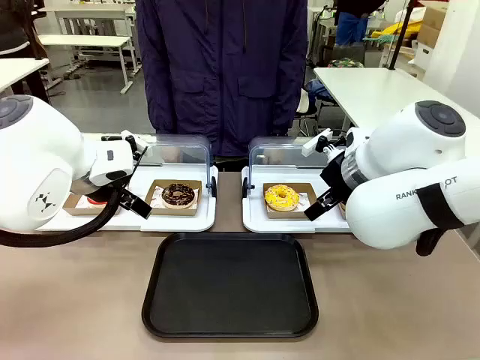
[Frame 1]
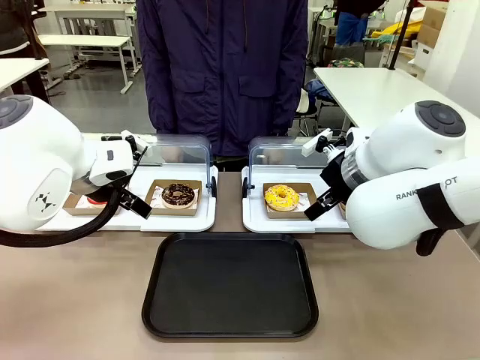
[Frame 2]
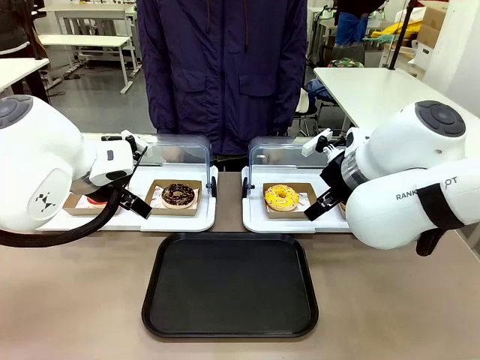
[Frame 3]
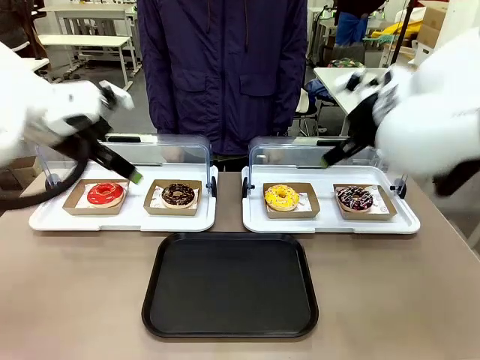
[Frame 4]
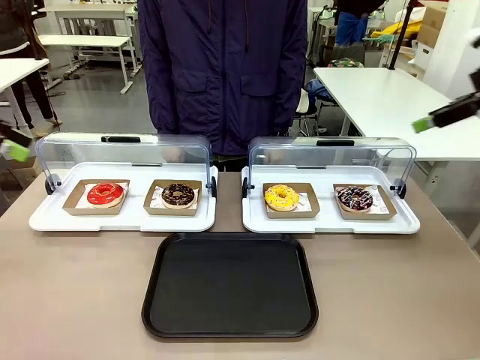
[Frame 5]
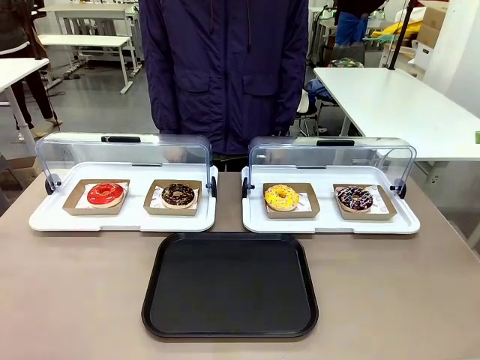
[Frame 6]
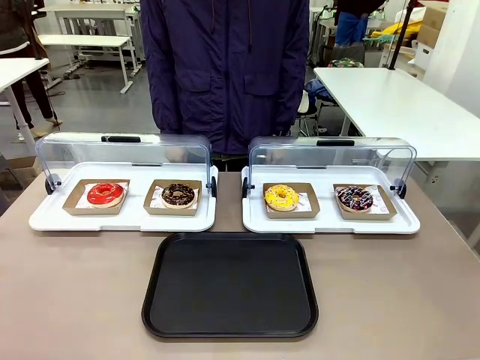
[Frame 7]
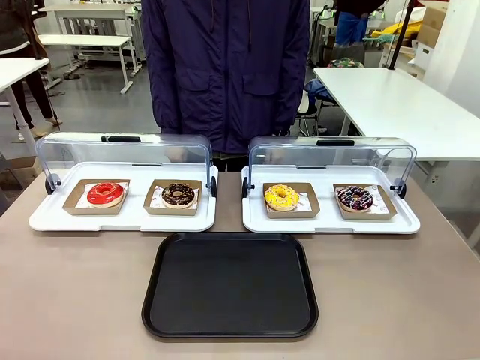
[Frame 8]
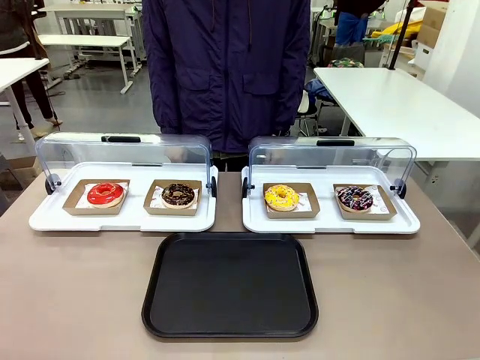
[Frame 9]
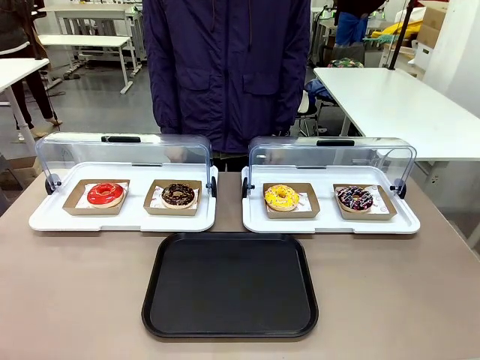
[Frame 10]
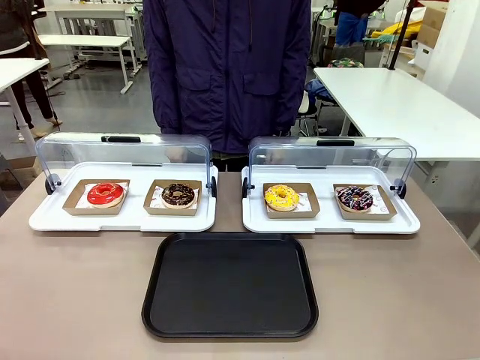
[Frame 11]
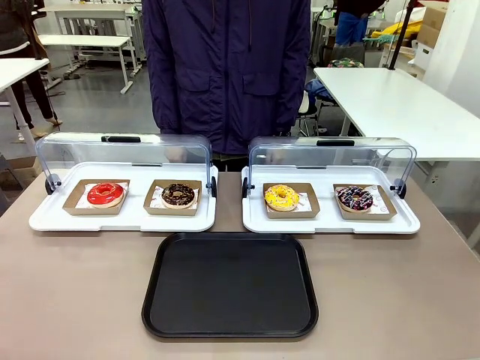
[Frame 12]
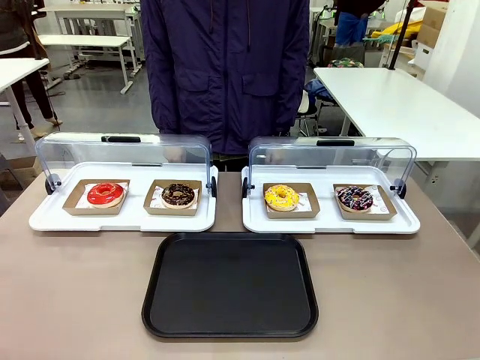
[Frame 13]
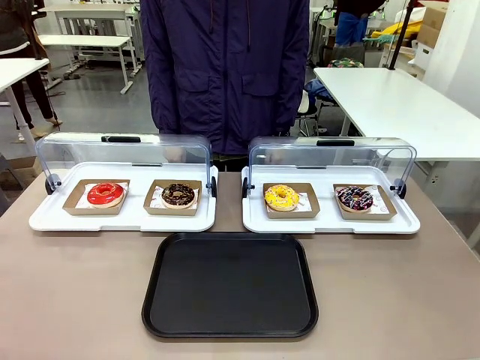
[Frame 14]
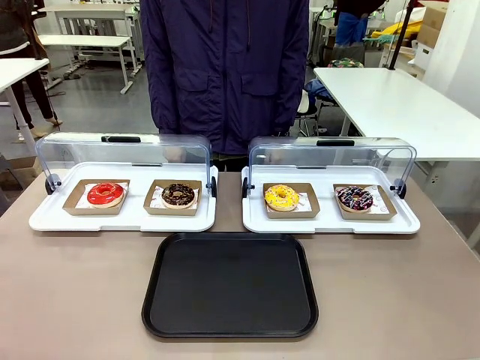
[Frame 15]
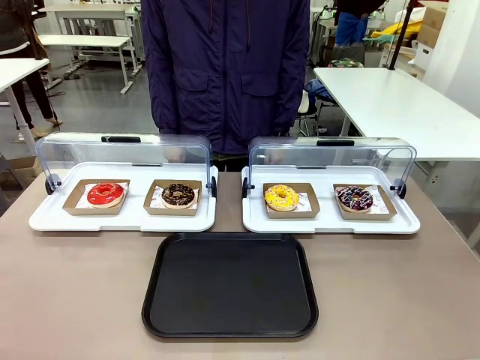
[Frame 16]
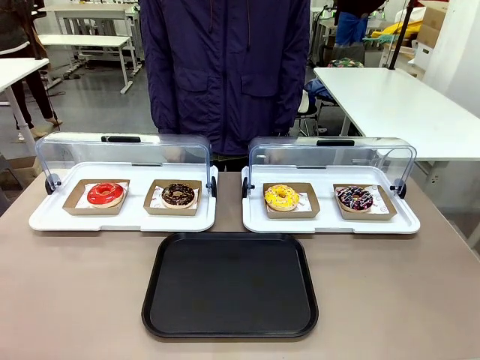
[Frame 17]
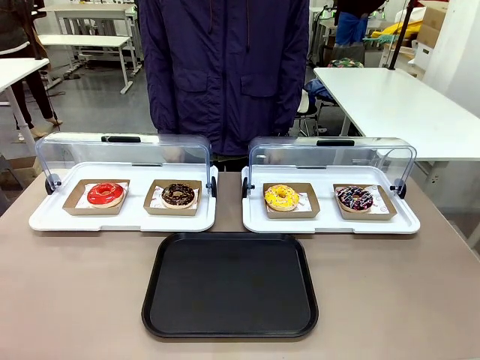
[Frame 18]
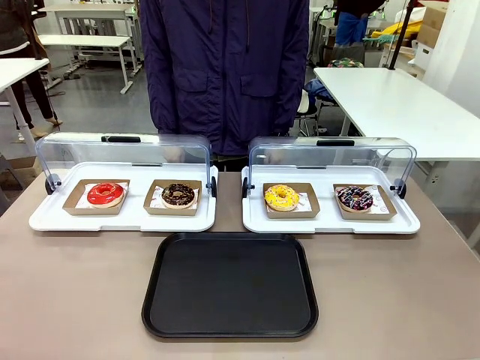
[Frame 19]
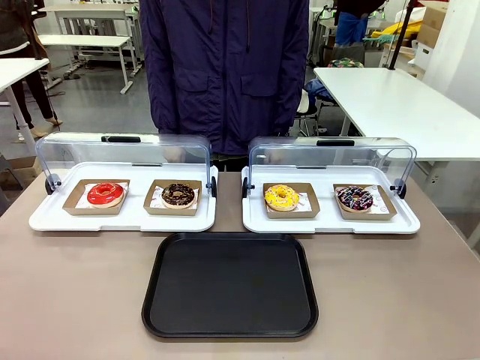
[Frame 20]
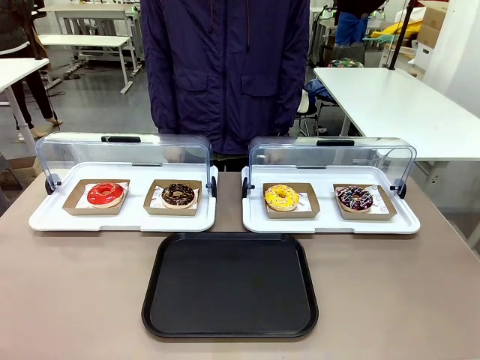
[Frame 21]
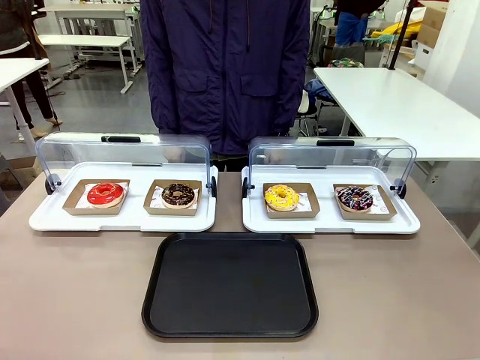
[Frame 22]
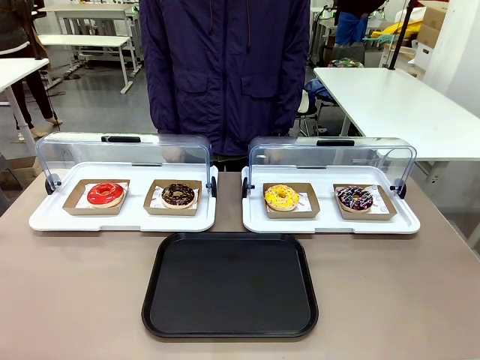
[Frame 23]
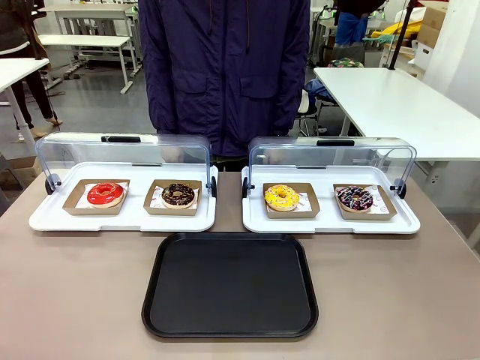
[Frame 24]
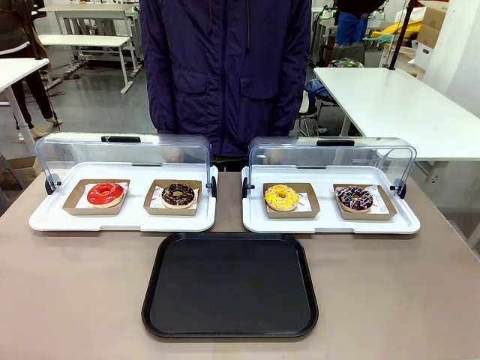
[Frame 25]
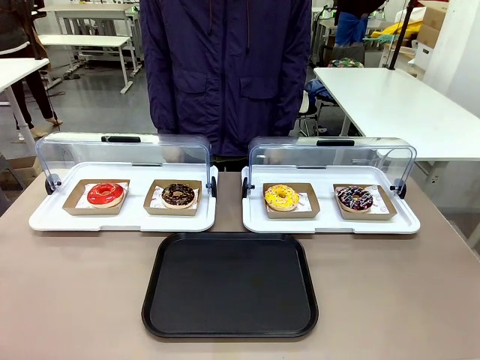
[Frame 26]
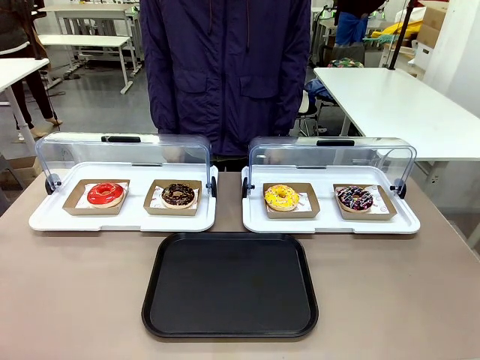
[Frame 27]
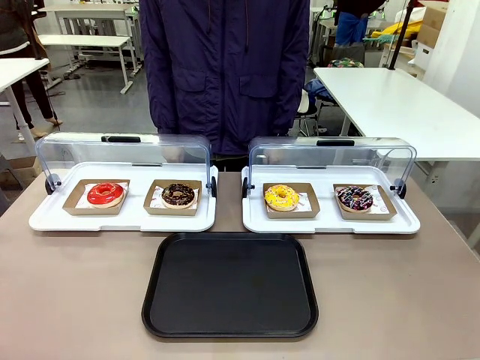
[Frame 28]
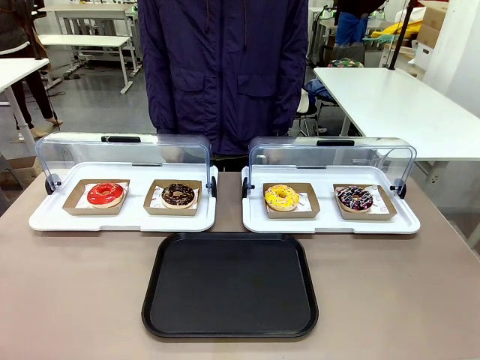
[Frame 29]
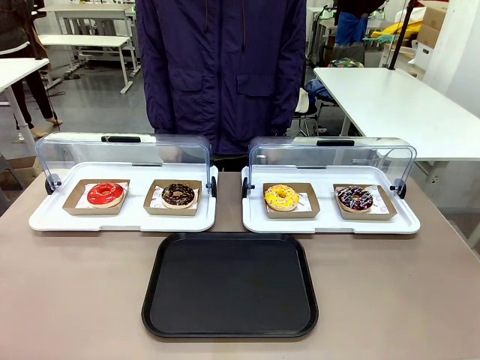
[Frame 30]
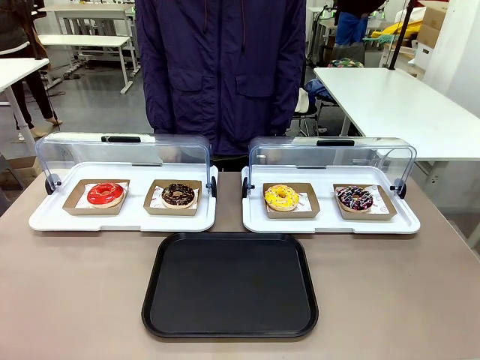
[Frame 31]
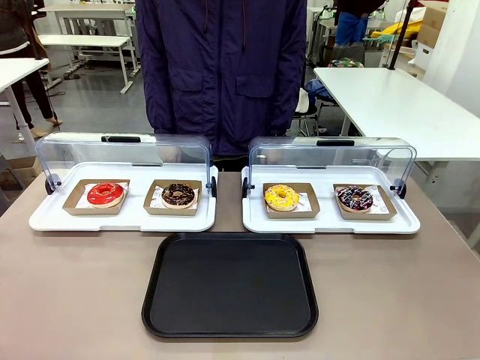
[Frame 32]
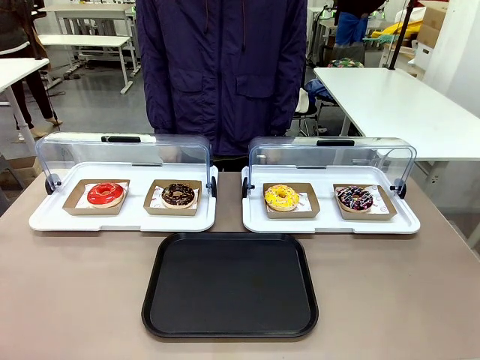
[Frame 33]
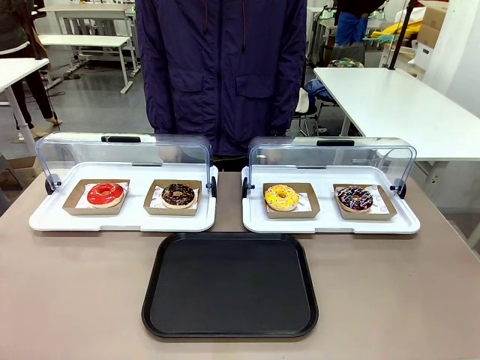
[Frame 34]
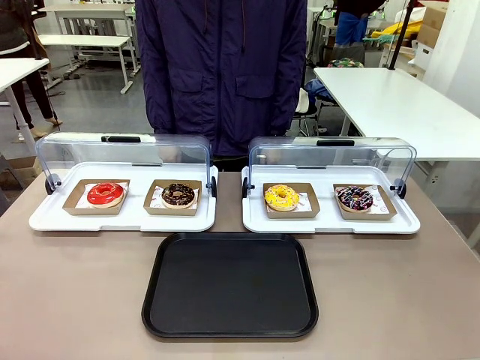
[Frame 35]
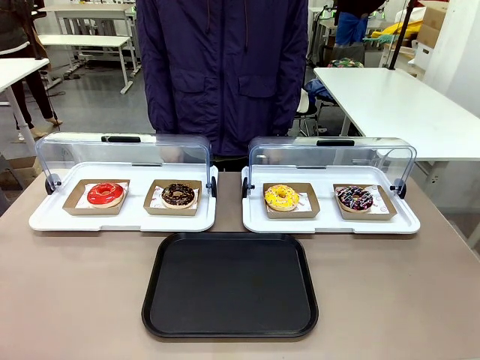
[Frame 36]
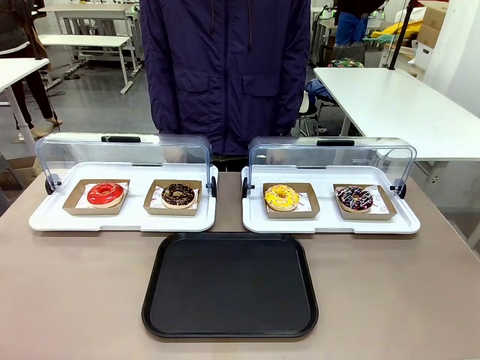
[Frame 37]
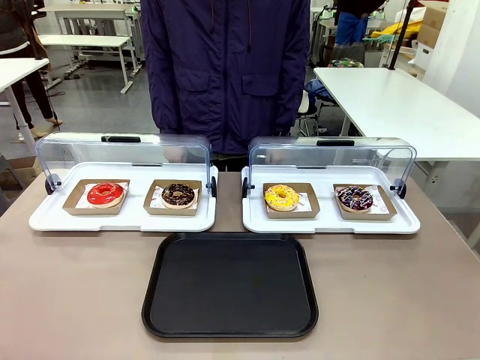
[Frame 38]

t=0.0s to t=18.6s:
Task: Move the third donut from the left to the tray.
Robot: Pick up the Paper togo box containing the Donut indicated by the person and place it on the Handle tray.
